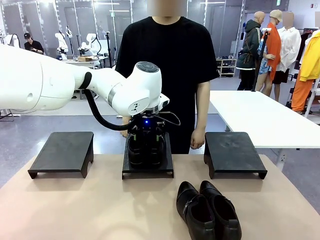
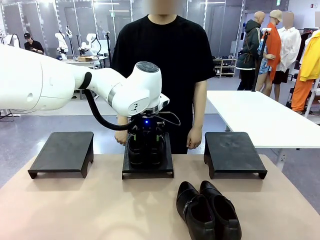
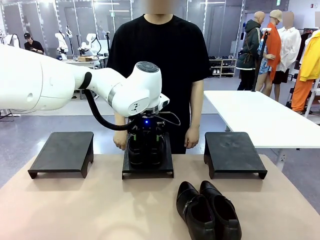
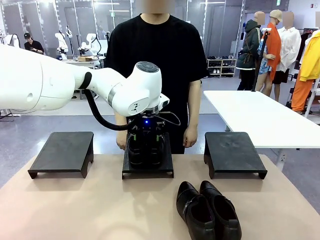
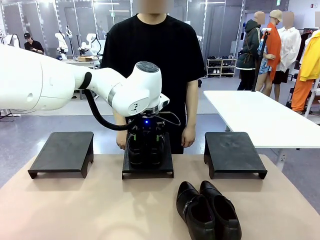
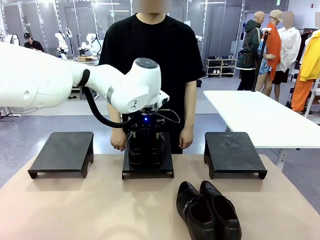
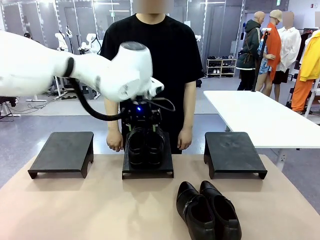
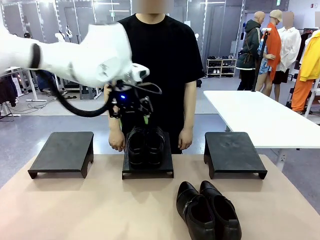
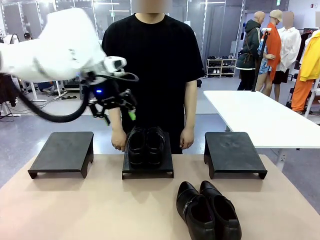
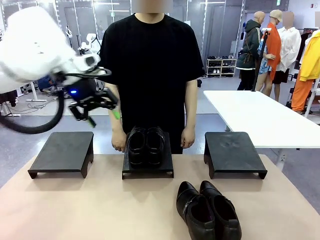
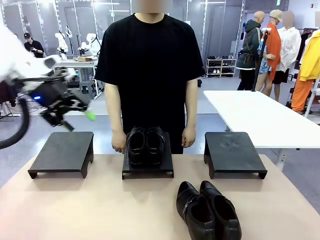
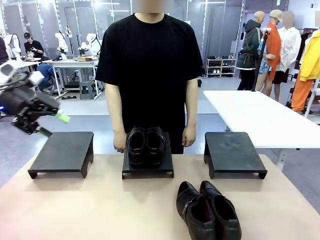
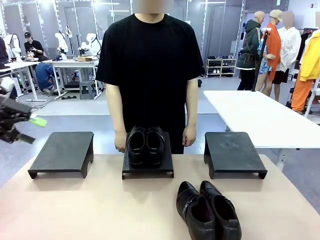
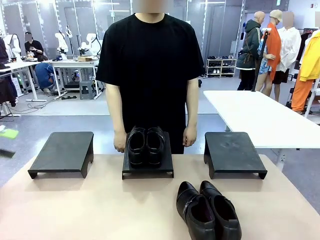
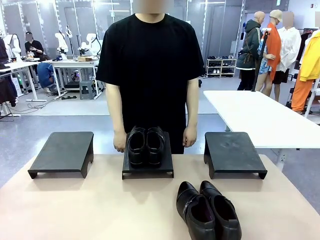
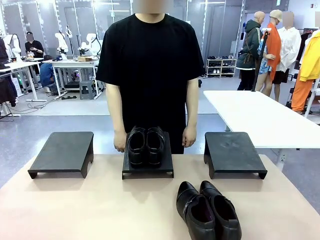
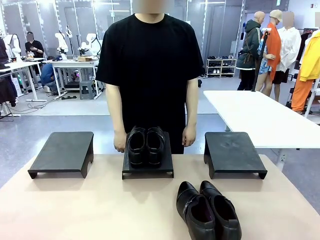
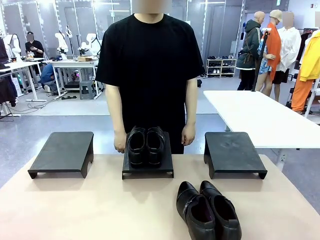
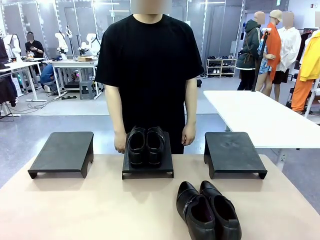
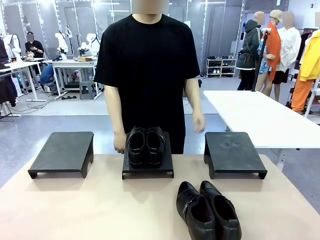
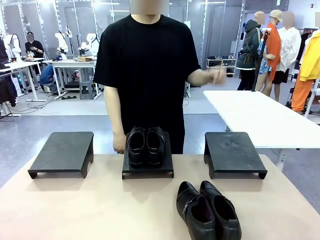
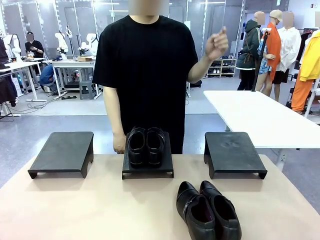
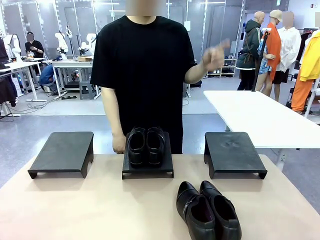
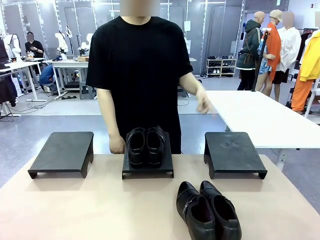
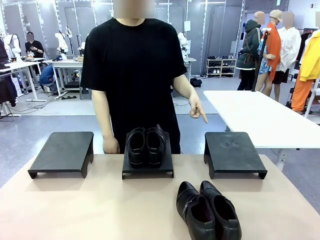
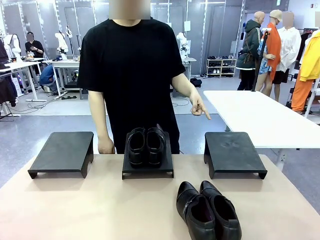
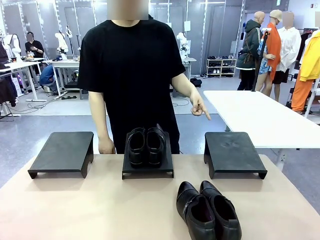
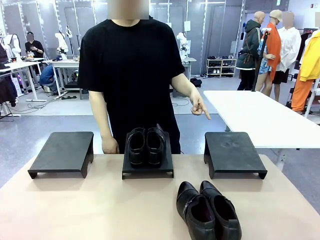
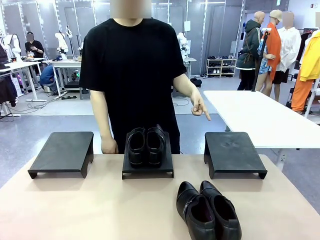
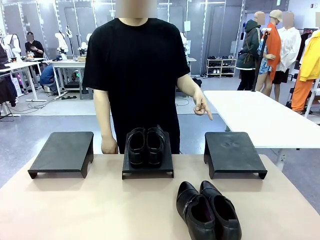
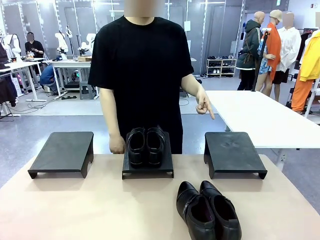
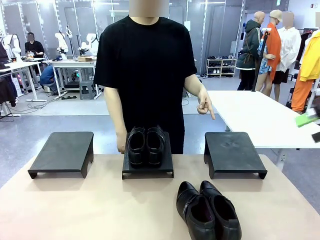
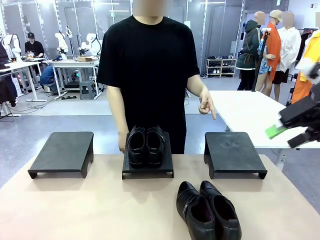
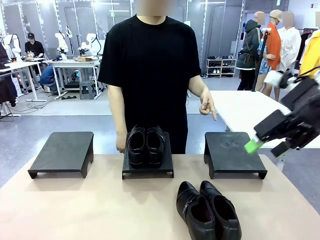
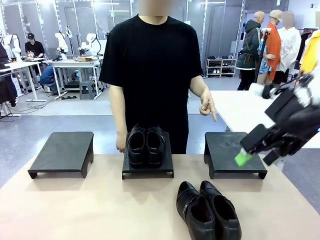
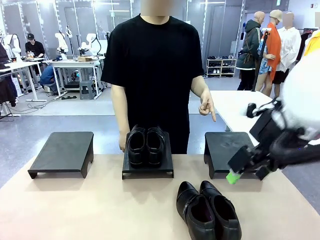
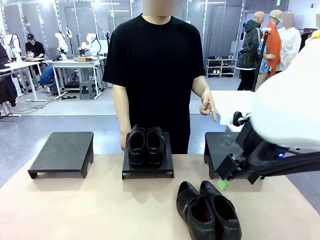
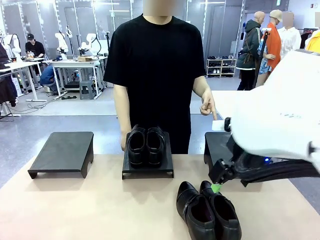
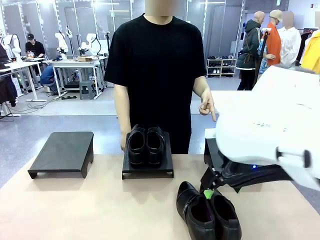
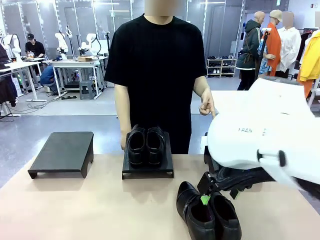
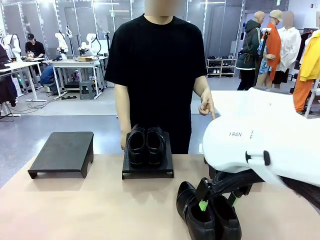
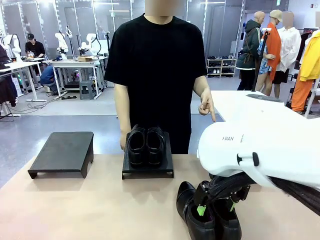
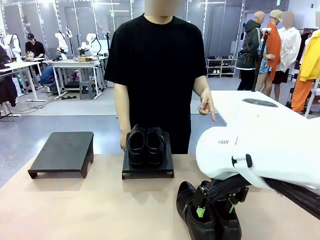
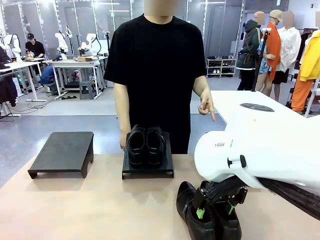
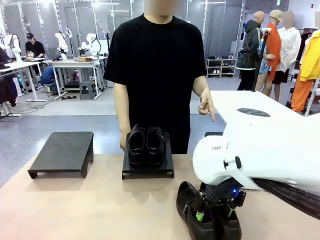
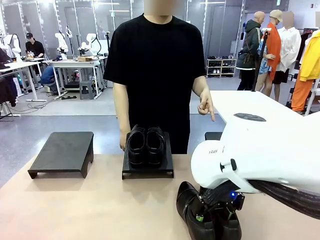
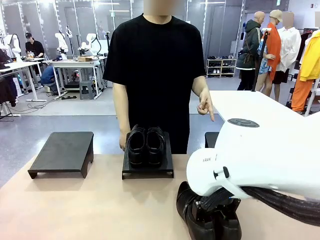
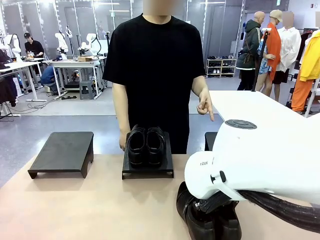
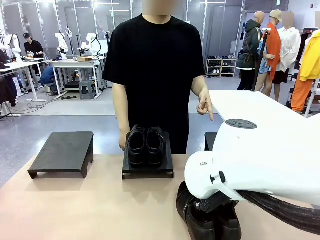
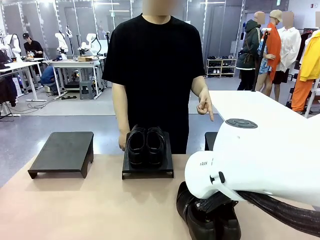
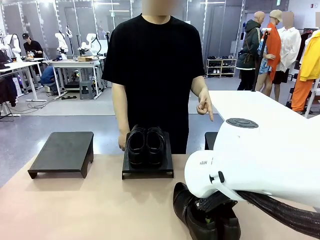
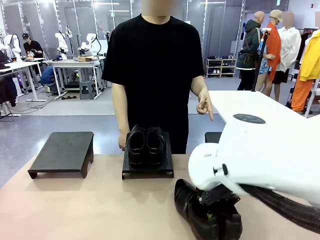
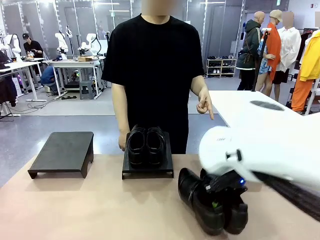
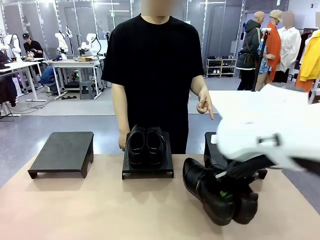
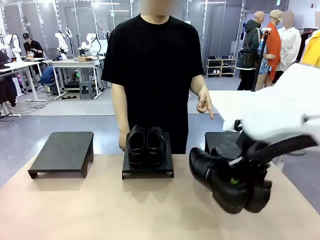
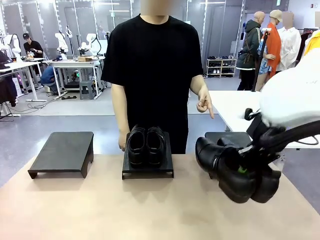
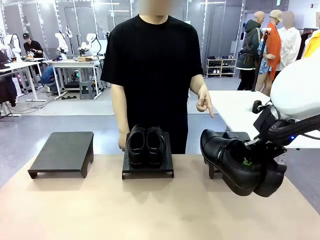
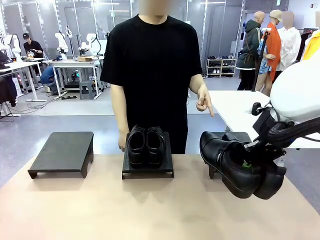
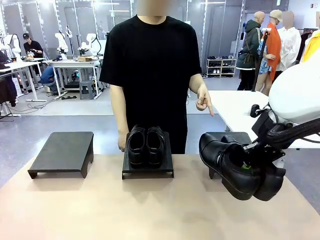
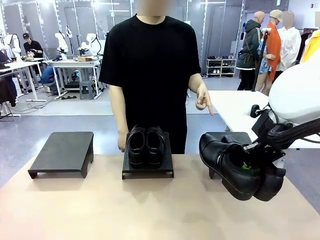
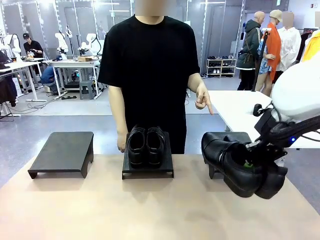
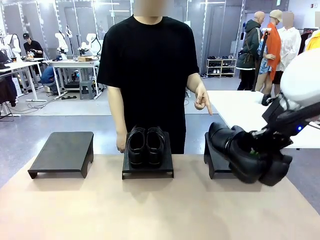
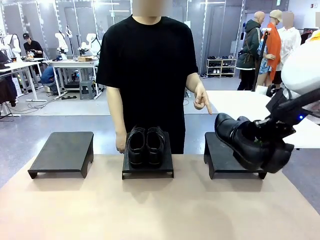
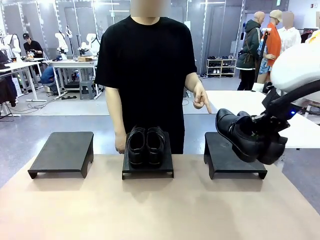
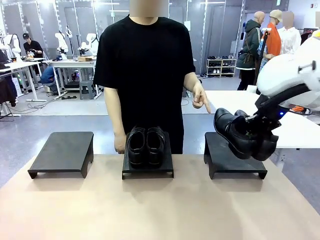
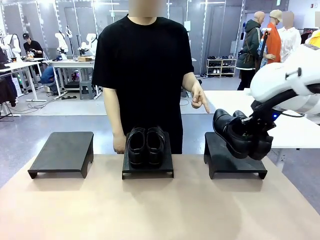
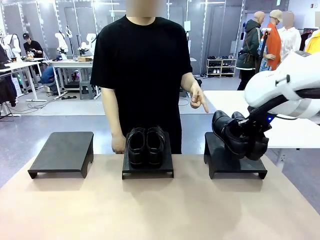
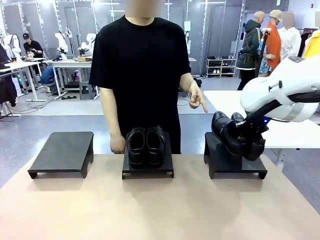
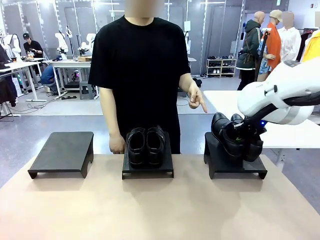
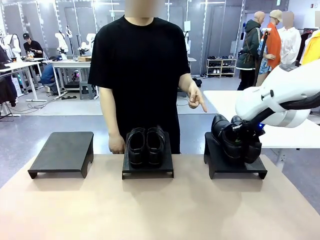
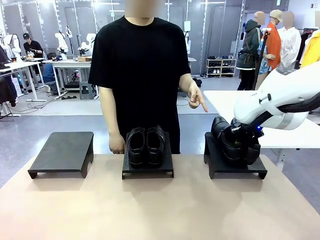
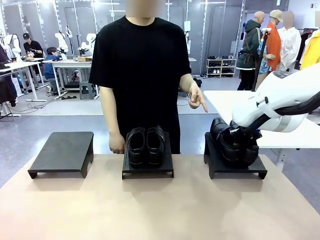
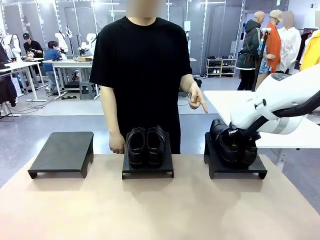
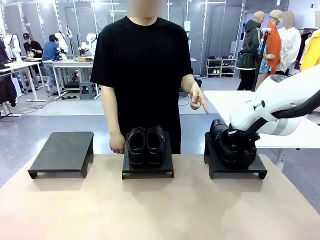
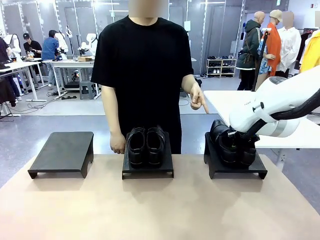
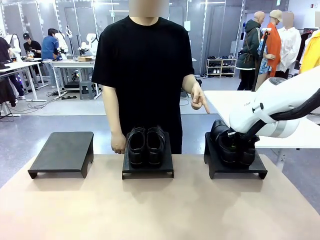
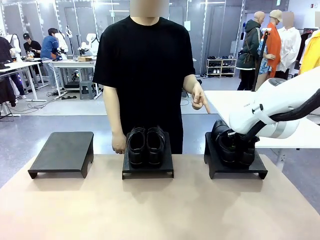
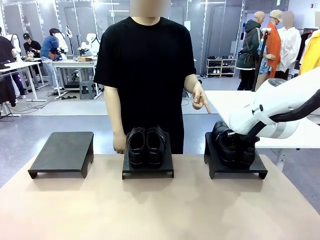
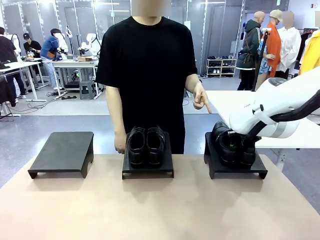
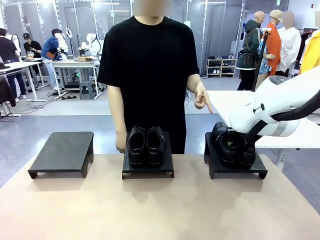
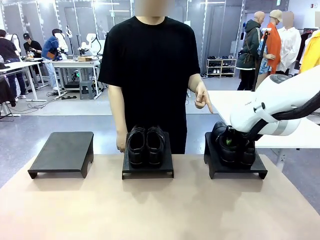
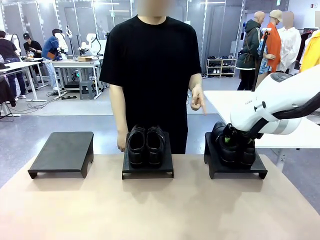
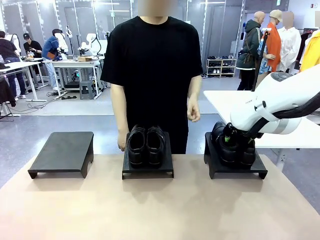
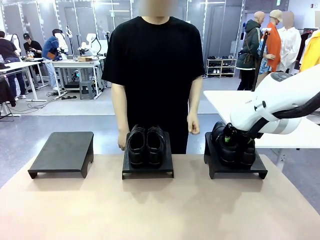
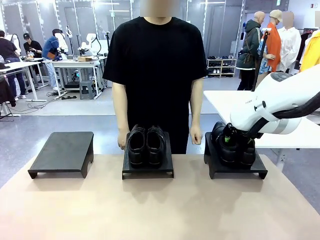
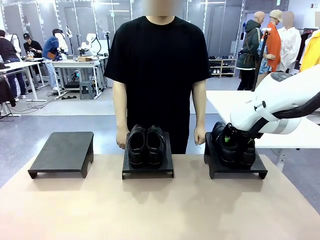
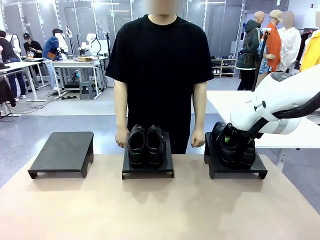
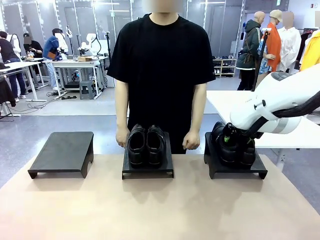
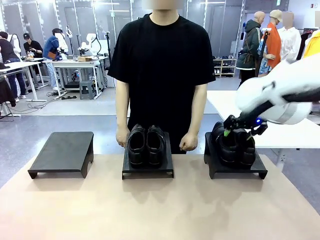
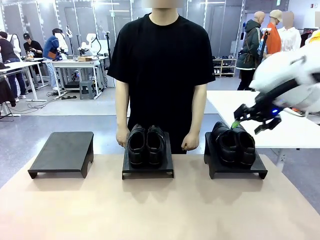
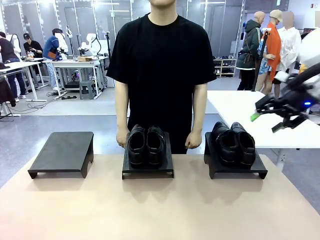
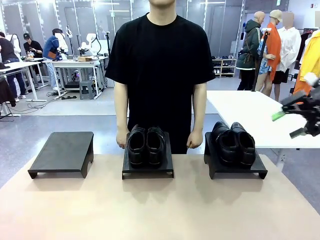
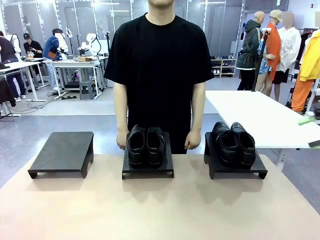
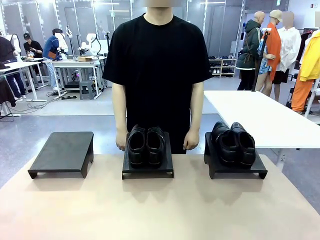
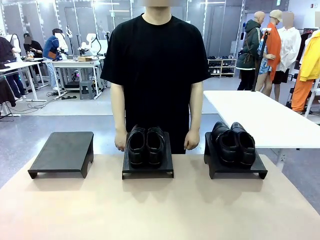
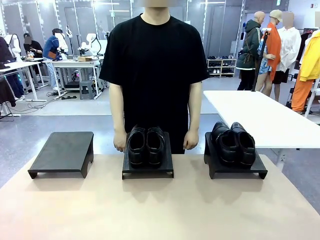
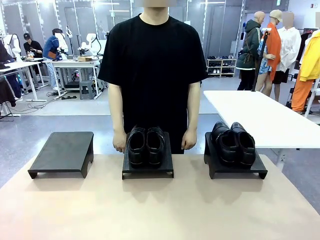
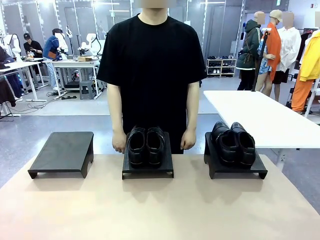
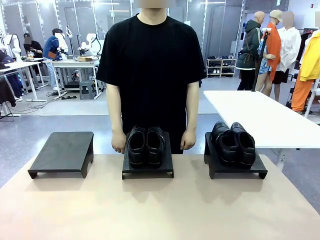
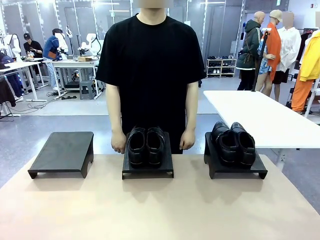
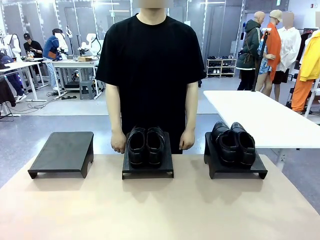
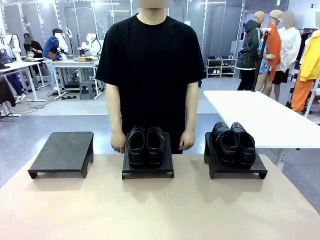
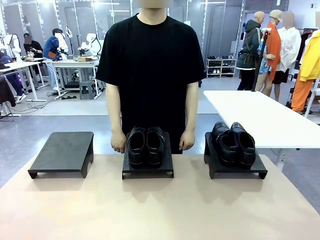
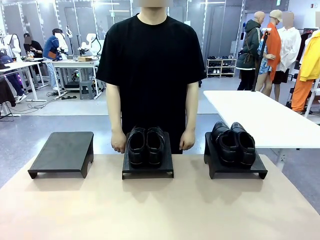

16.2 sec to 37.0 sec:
Task: Place the shoes on the stand as instructed by the person.
Robot: Pick up another pair of Shoes and place it on the Shoes Stand indicated by the person.
Person: Point to one Shoes Stand.
